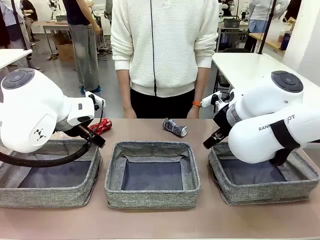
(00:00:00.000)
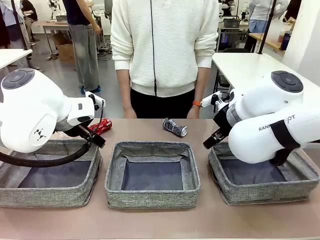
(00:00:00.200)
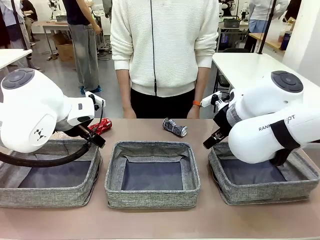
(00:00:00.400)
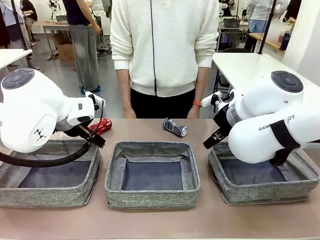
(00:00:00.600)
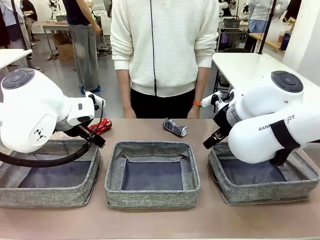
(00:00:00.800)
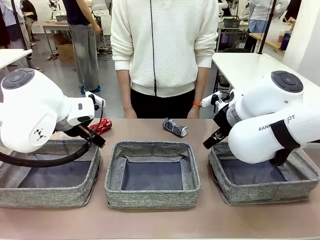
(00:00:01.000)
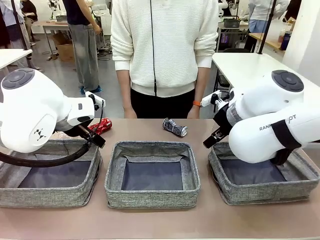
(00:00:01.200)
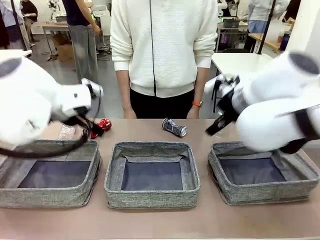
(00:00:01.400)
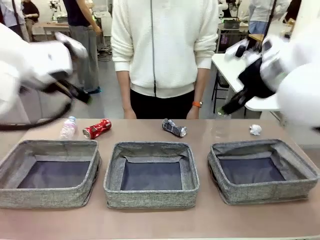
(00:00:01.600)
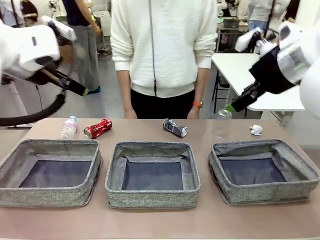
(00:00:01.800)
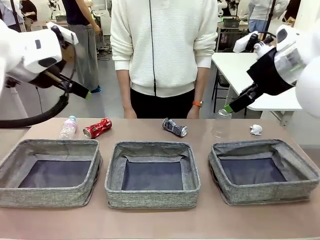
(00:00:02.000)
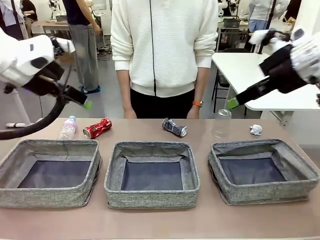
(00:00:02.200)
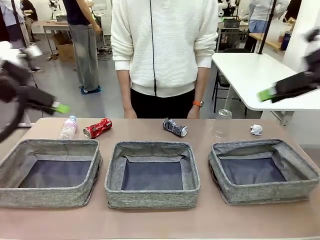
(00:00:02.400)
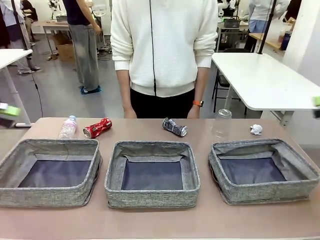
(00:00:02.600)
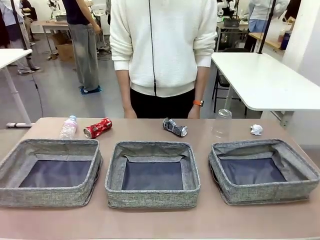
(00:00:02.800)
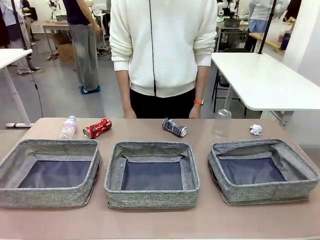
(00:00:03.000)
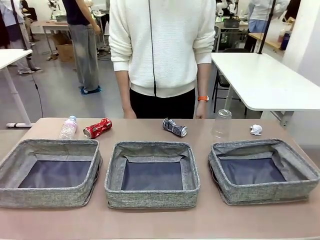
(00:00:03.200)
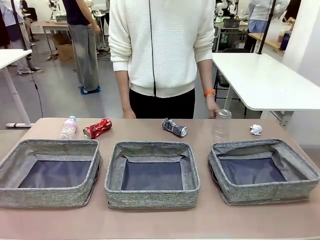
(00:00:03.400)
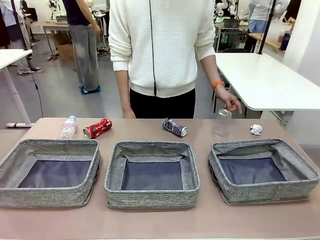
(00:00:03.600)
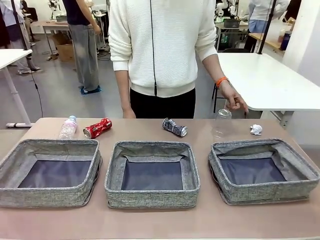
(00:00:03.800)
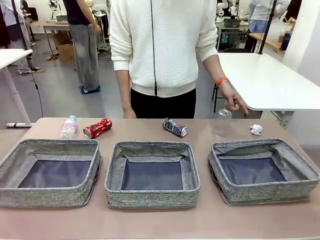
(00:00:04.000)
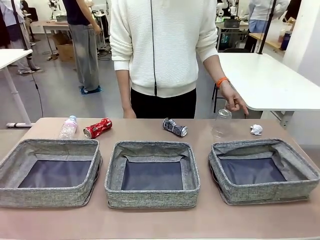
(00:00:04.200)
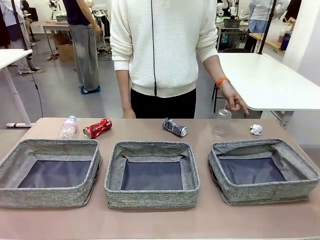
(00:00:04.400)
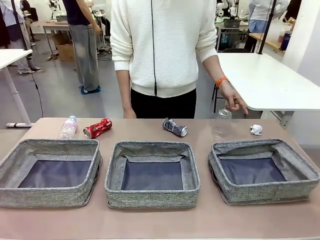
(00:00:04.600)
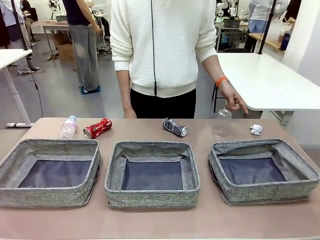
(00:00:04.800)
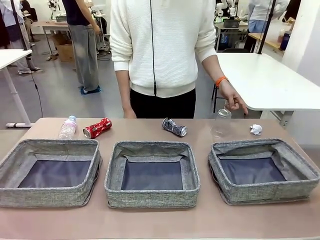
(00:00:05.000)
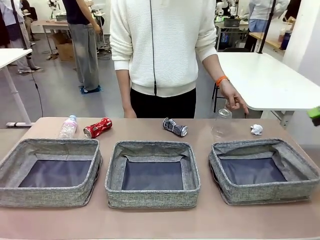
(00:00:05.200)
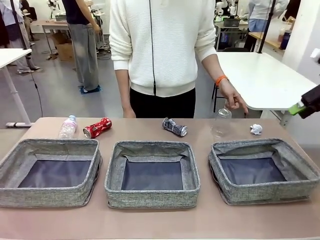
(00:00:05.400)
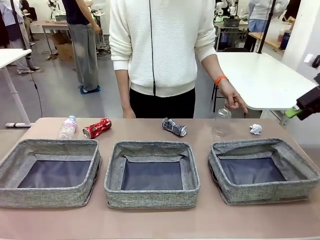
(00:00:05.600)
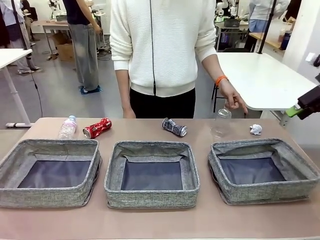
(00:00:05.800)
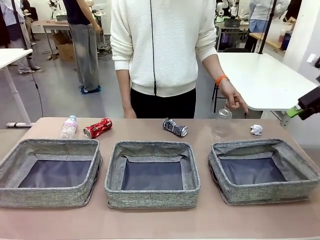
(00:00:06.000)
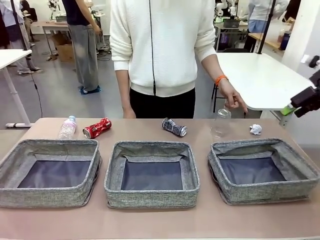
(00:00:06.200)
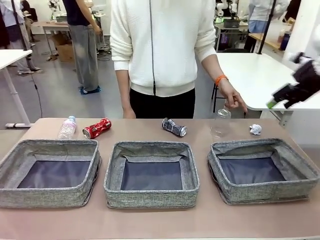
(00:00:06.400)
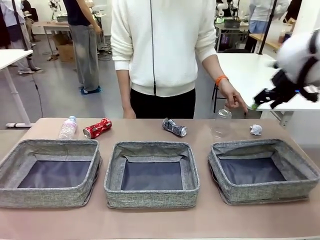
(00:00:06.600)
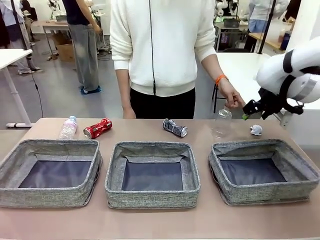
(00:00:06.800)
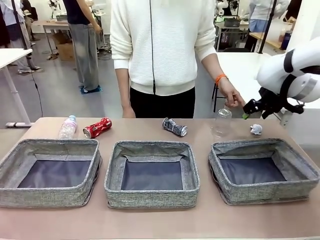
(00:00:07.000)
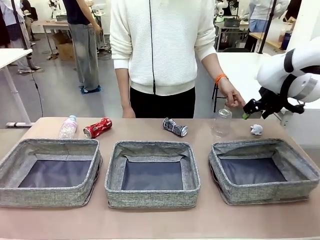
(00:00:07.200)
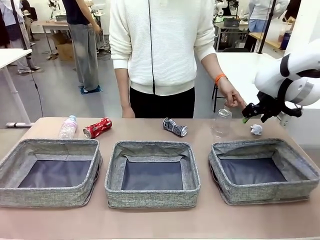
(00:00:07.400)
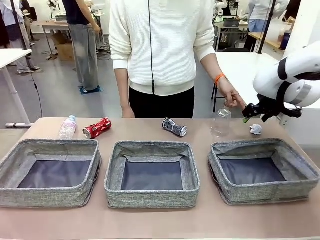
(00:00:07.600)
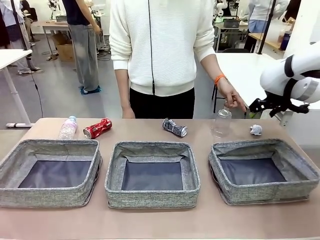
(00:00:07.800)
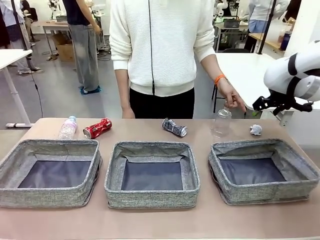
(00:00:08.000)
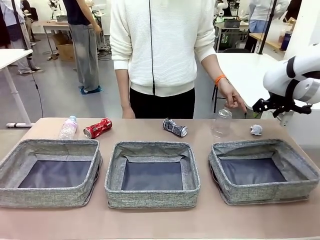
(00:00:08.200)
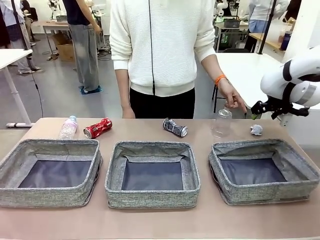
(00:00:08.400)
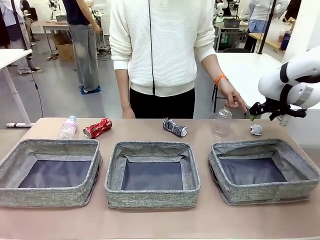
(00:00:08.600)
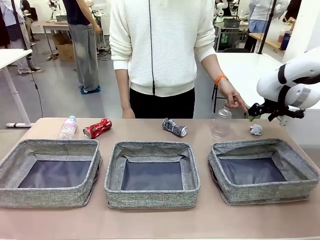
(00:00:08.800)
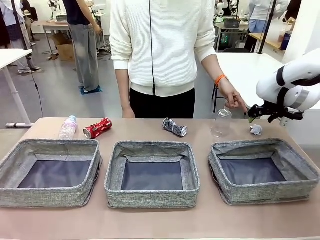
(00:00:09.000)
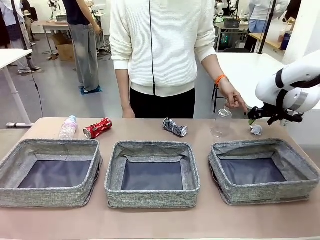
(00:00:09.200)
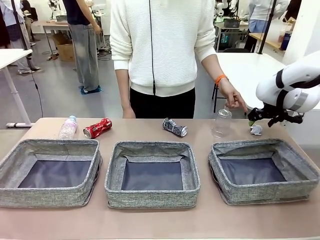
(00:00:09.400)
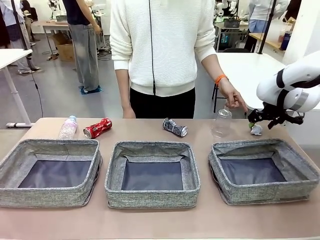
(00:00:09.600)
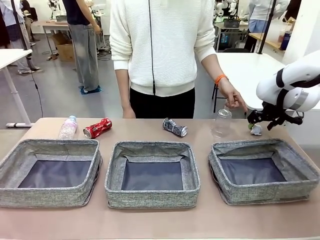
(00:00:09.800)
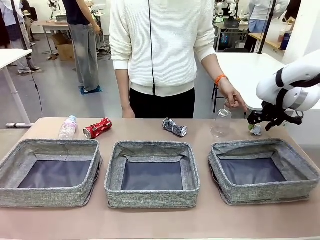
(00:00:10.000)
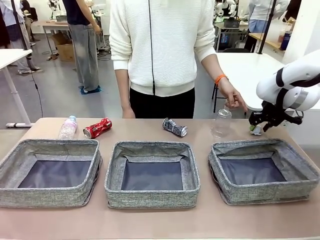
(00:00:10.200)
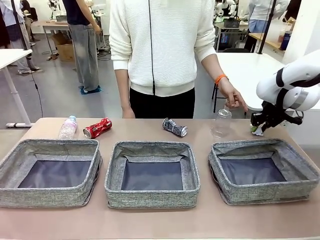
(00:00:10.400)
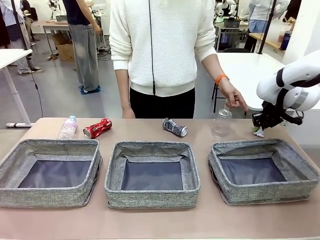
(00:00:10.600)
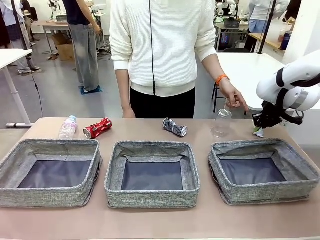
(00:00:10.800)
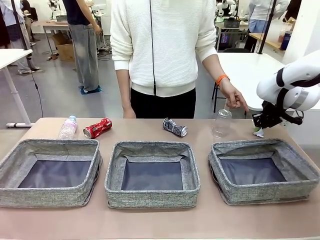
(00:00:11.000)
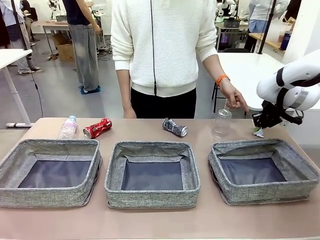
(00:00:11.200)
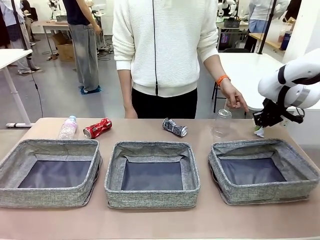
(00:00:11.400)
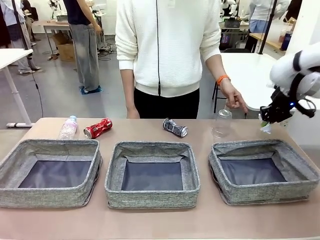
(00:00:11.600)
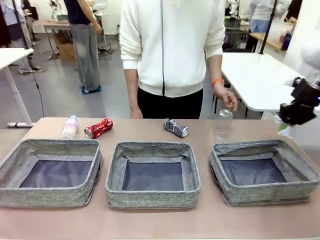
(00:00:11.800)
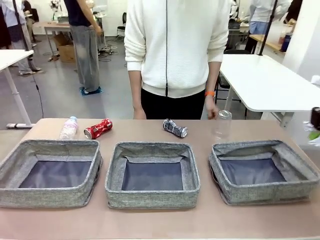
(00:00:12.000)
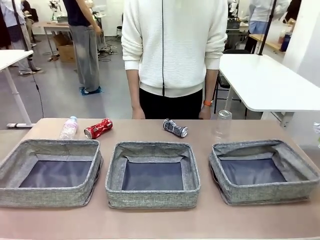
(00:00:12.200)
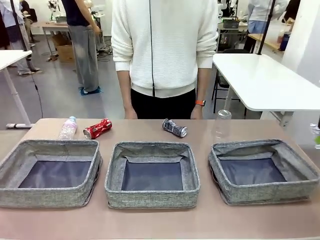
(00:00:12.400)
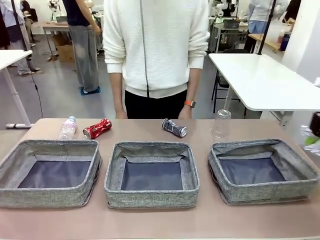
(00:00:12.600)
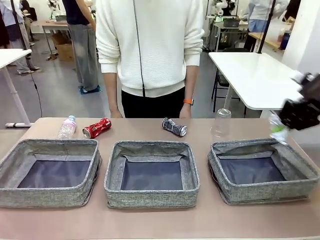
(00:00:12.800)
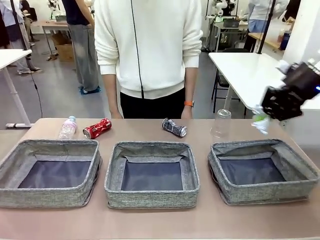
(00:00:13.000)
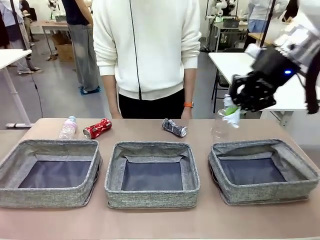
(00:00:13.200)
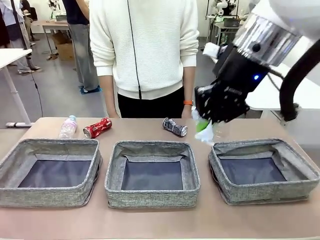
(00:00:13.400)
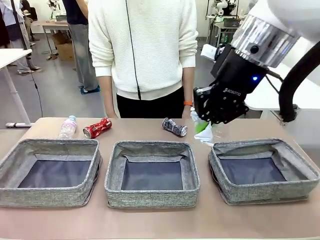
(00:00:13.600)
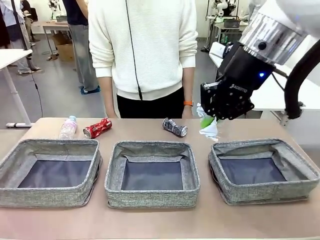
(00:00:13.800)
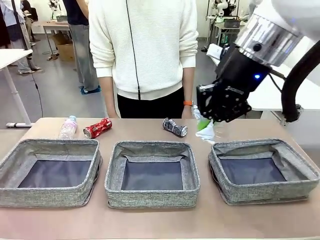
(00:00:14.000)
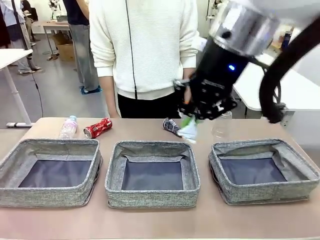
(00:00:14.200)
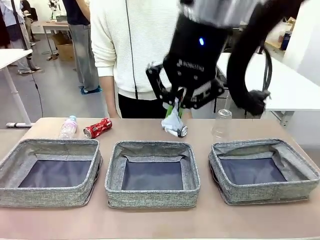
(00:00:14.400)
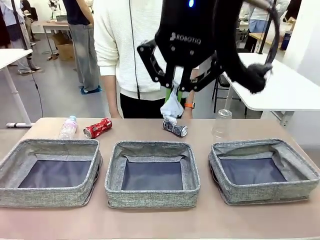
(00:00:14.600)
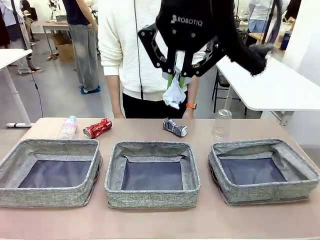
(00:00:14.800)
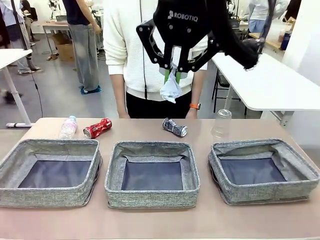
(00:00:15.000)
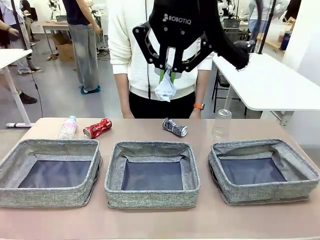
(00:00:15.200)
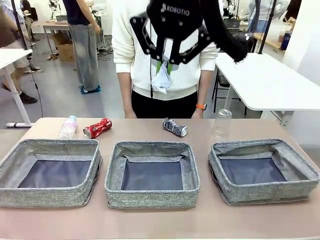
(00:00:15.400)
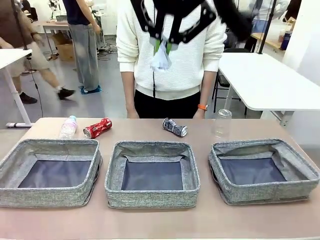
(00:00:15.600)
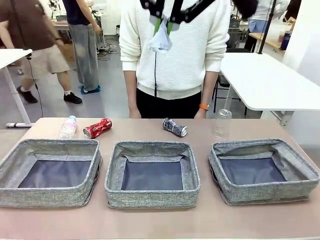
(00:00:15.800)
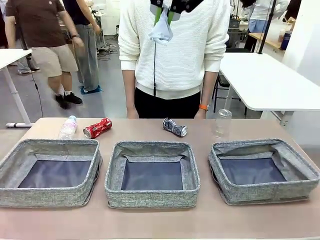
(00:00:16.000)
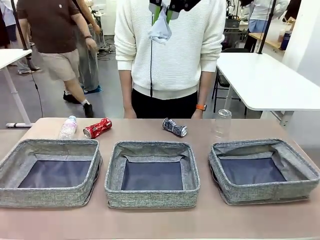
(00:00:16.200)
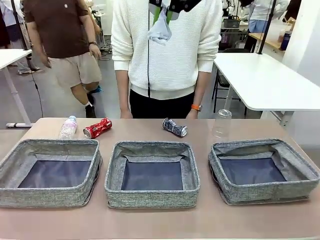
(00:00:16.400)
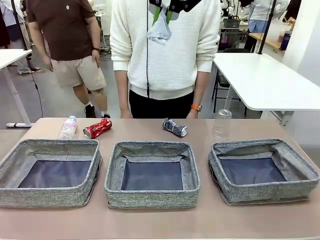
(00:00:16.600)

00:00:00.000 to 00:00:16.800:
Task: Sort the waste into the appropriate baskets.
Robot: Pick up the waste item pointed out by the person.
Person: Points to one piece of trash on the table.

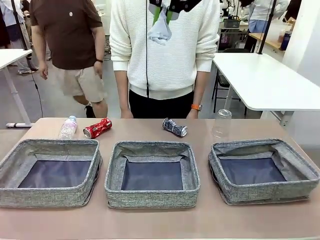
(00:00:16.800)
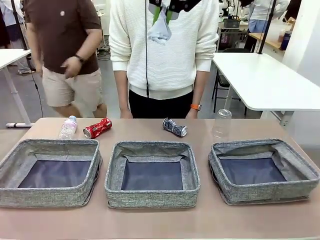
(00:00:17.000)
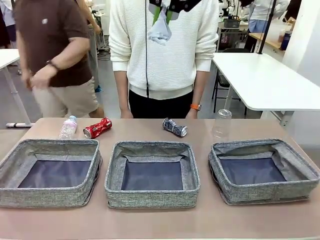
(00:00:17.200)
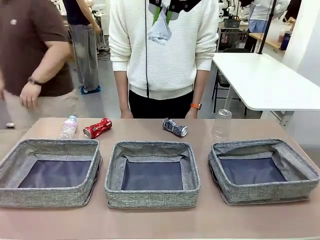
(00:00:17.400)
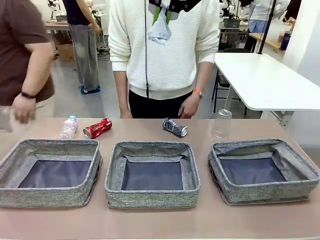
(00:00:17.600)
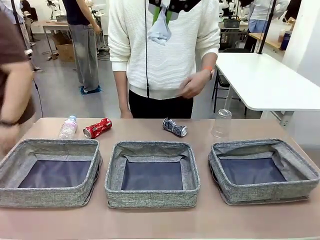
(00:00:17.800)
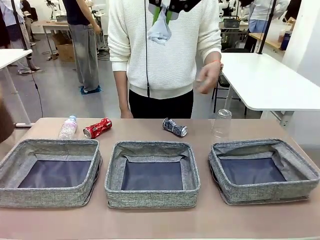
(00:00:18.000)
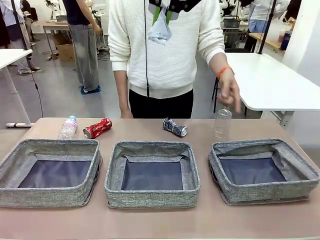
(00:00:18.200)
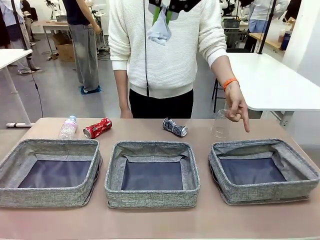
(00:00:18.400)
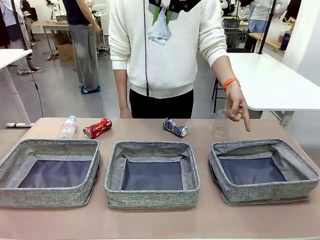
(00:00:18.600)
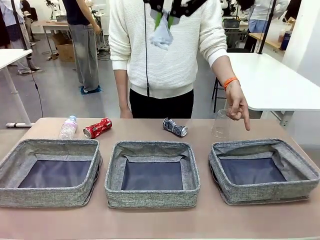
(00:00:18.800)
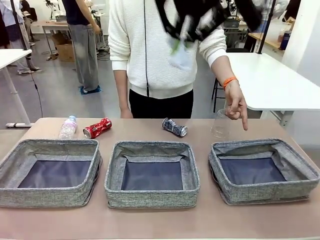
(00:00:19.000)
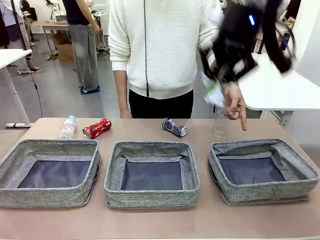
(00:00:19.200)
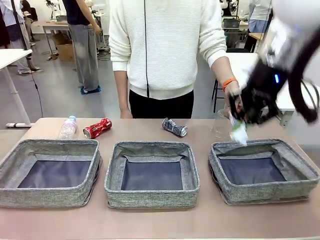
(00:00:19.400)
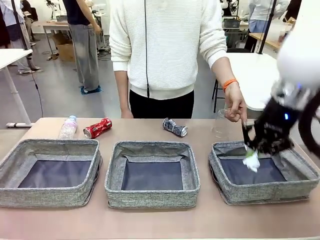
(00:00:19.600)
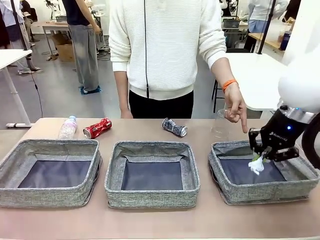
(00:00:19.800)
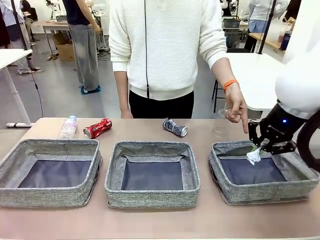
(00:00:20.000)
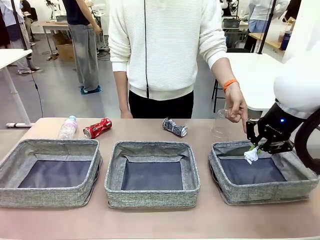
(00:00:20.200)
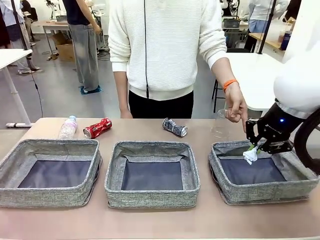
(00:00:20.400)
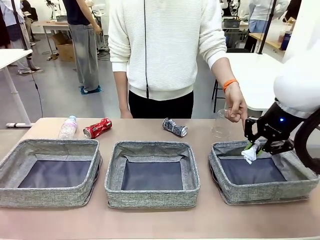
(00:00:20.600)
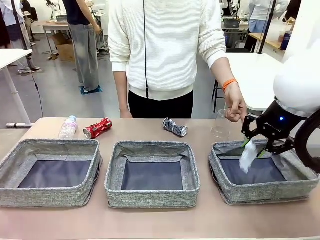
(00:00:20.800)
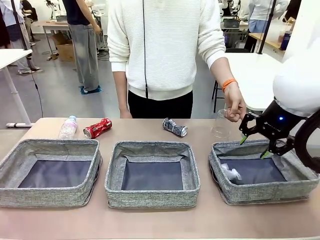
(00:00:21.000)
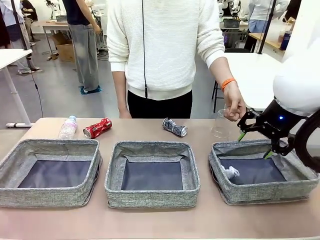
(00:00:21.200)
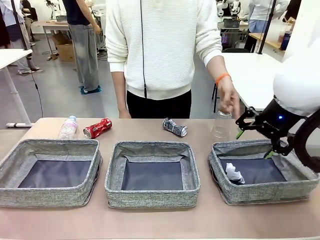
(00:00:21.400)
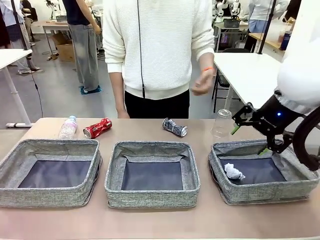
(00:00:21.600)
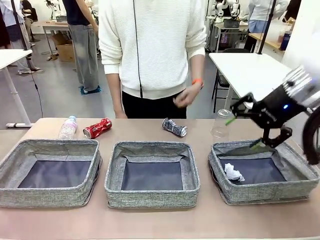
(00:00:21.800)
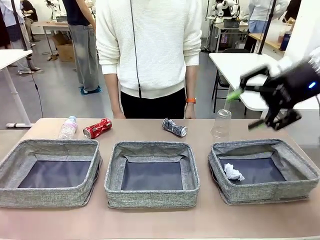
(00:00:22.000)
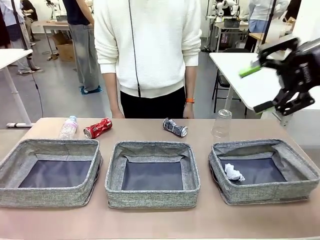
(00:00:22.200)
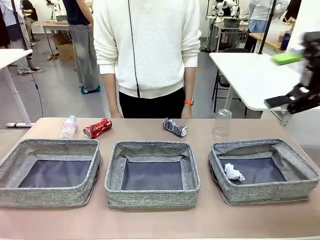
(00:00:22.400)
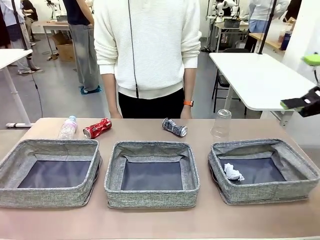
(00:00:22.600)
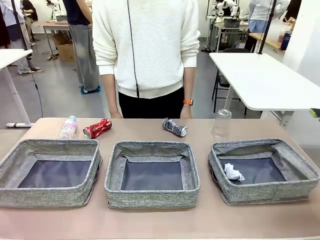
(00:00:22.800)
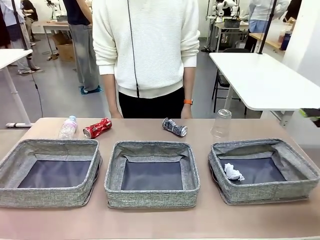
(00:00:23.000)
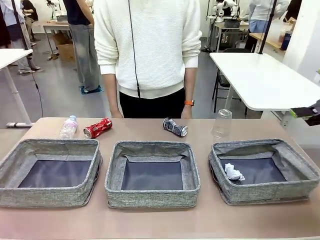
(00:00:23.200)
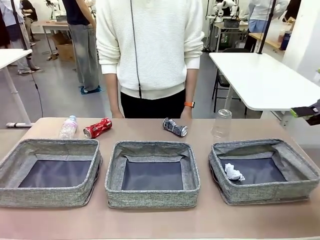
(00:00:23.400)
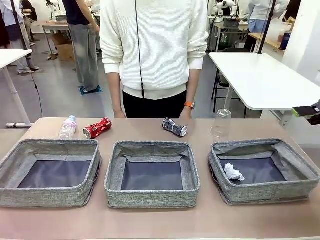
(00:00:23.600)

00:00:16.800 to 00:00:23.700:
Robot: Place the picked waste into the Fabric basket indicated by the person.
Person: Instructs the robot to place the picked-up trash into the appropriate organizing basket.
